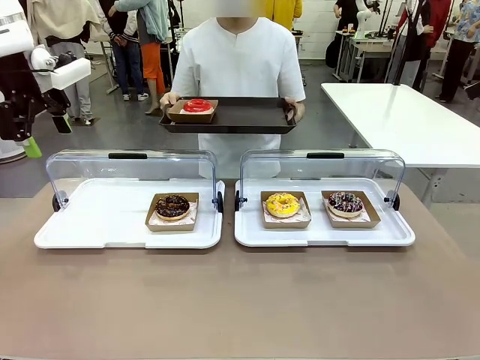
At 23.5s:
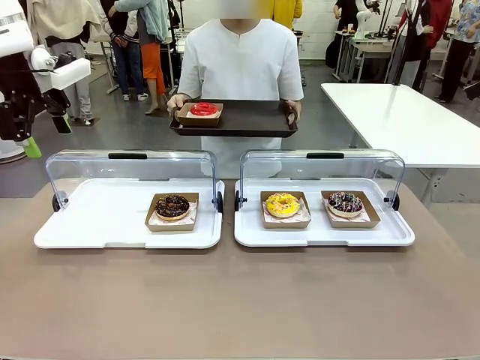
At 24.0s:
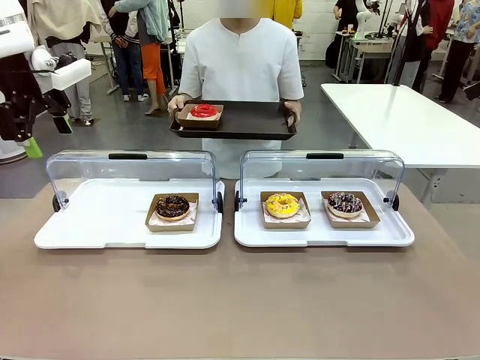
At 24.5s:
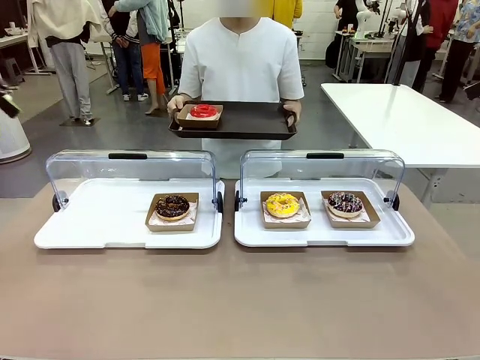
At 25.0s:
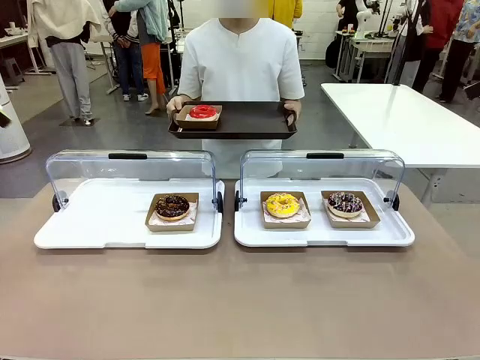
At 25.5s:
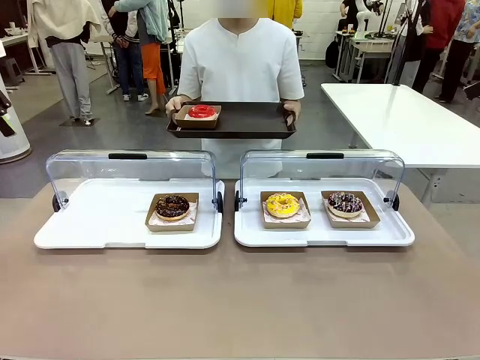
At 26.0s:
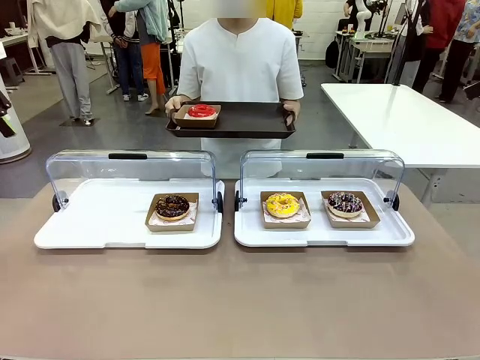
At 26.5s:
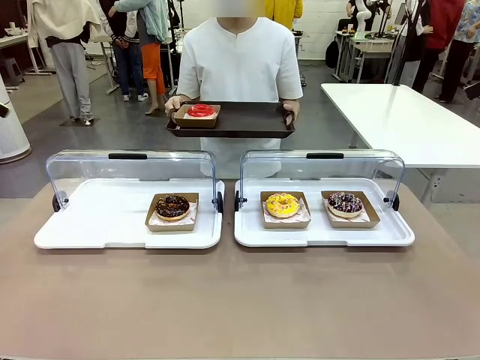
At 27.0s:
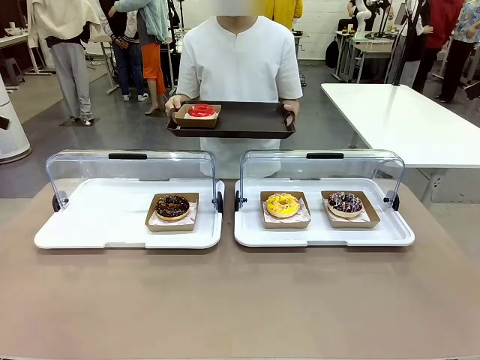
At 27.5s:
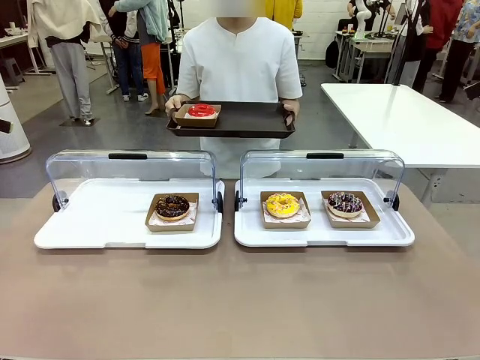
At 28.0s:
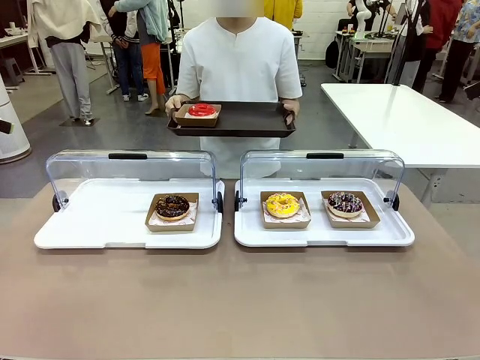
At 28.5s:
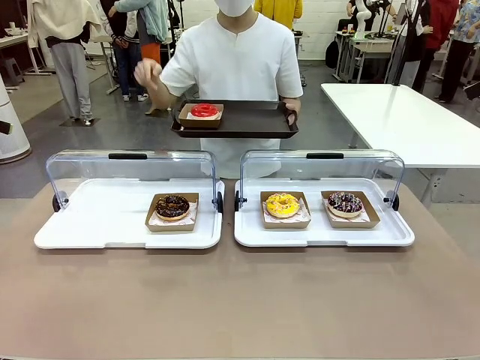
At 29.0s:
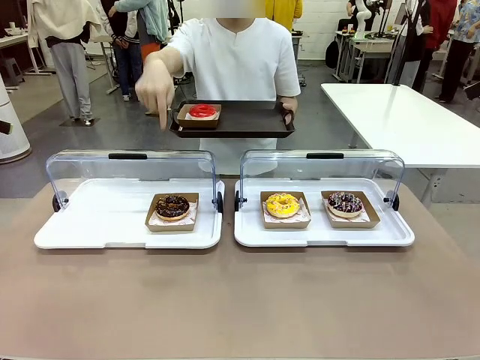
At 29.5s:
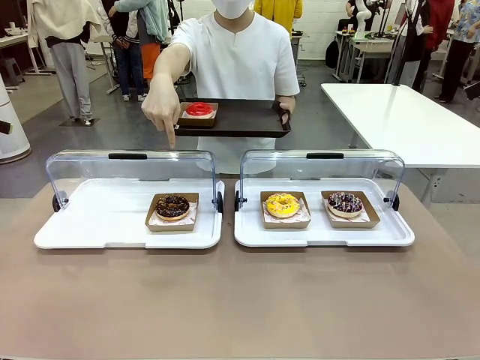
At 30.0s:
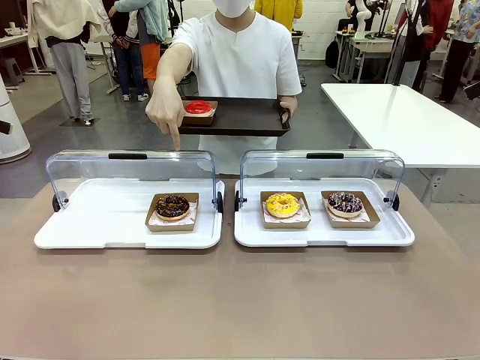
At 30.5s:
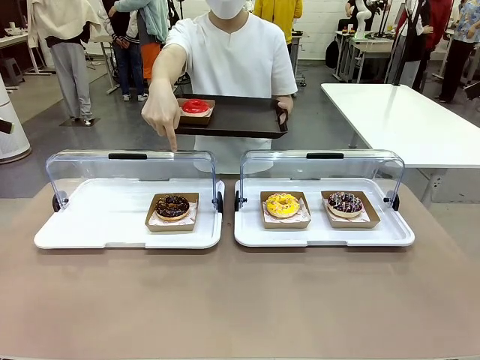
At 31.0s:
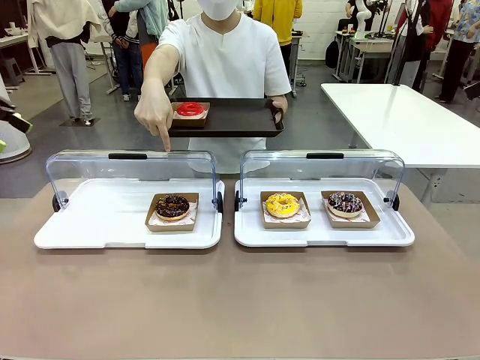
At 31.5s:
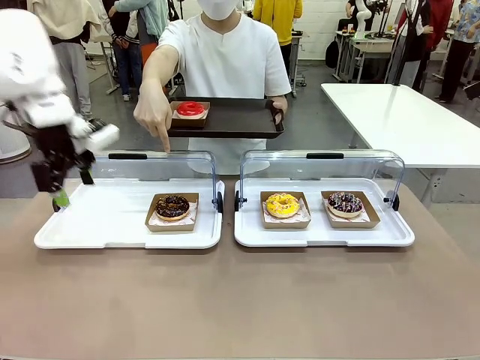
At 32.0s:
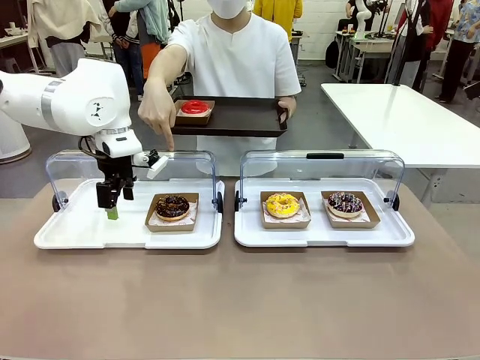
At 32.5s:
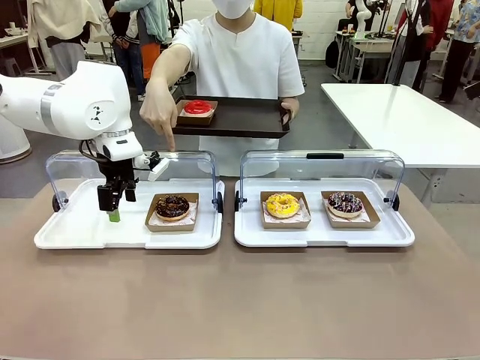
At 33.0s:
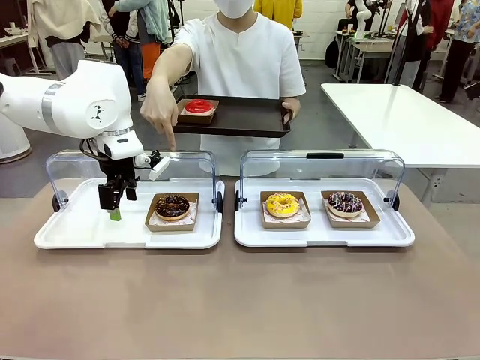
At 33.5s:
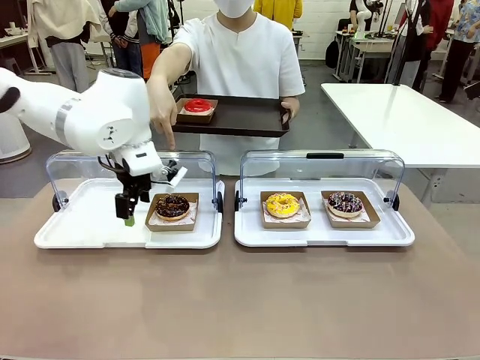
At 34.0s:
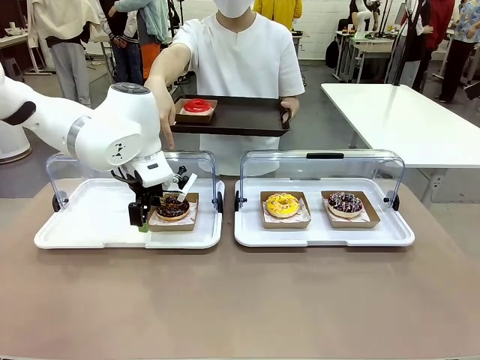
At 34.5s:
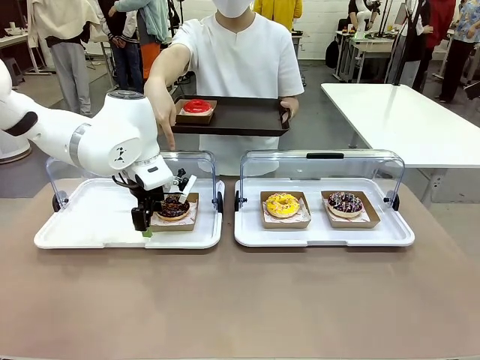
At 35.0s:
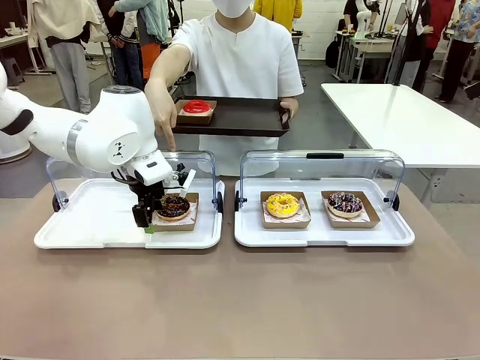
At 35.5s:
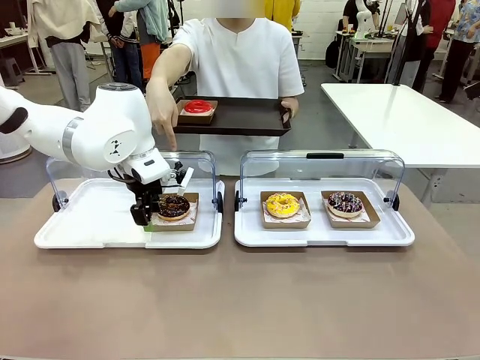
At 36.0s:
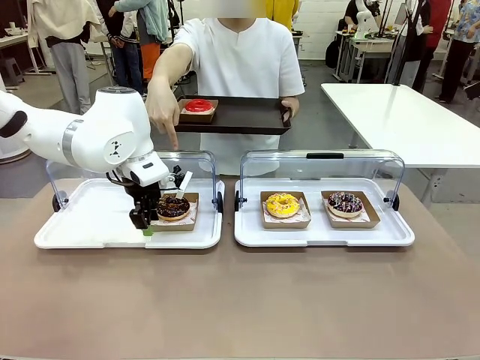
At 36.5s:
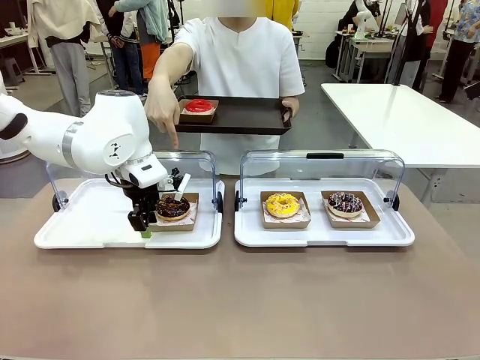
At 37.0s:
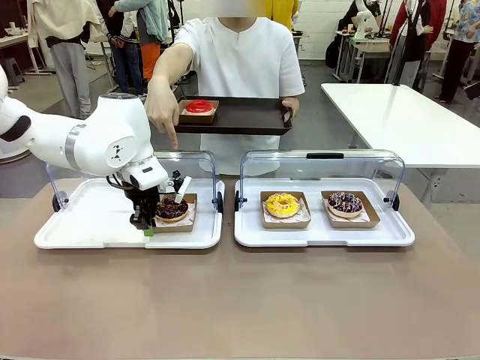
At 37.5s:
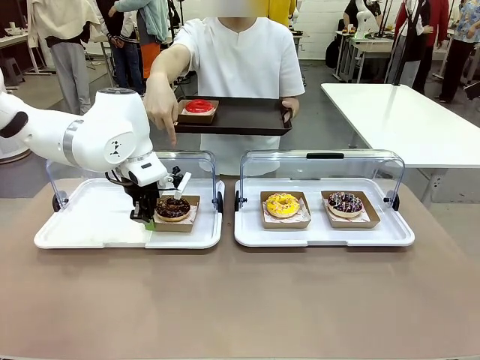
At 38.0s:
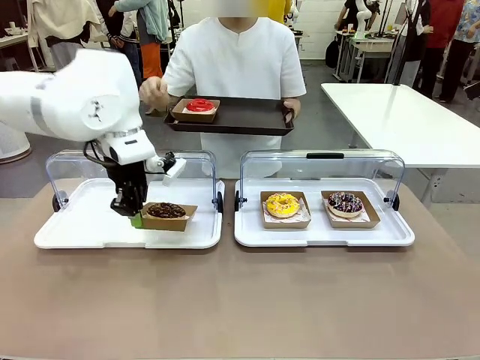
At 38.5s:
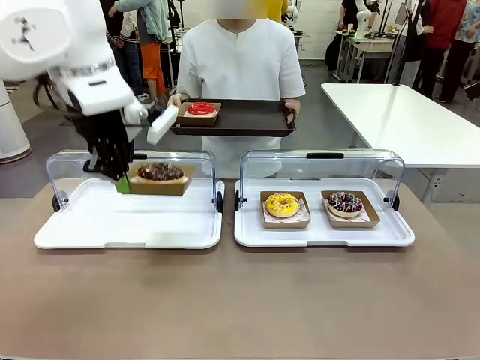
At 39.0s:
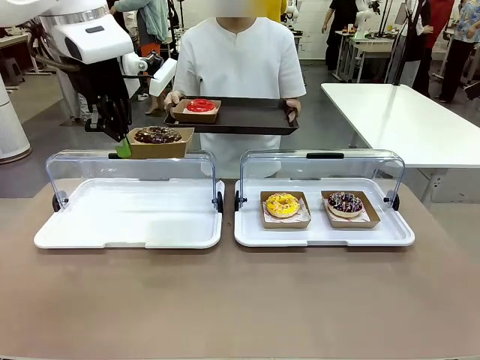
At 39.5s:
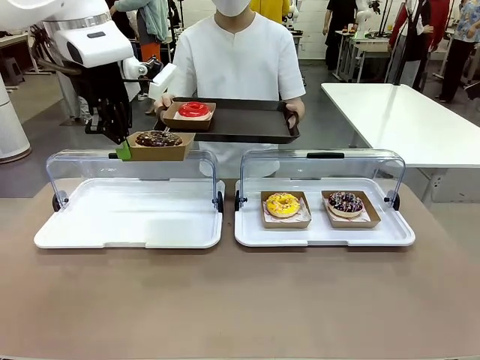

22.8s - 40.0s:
Task: Provide the desired donut to the person.
Robot: Pick up and lift the Paper togo box containing the Donut pointed at by the person.
Person: Point to one donut. Lift the tray onto the Roll-Top Bakery Case.

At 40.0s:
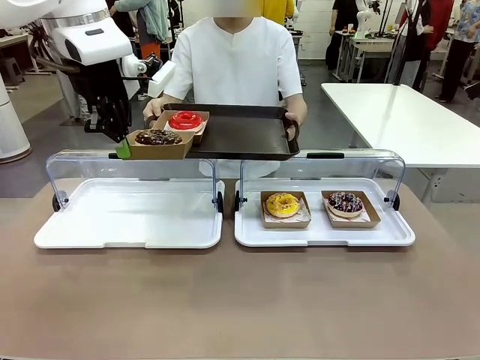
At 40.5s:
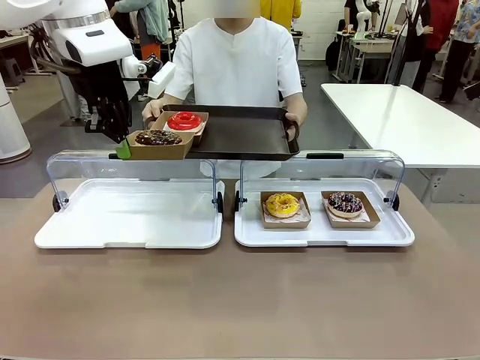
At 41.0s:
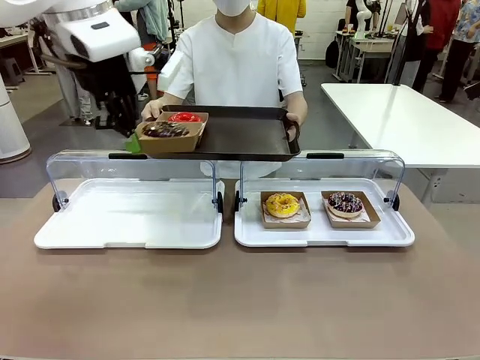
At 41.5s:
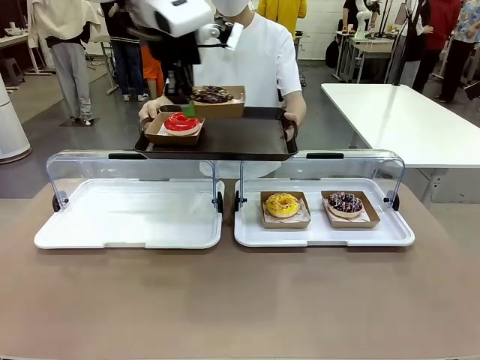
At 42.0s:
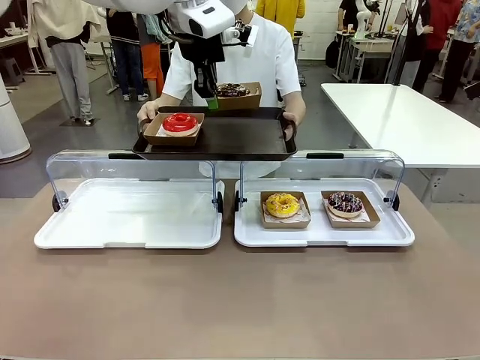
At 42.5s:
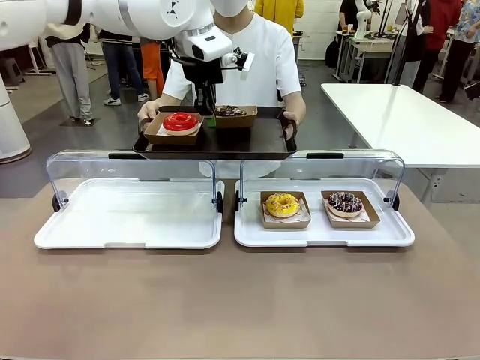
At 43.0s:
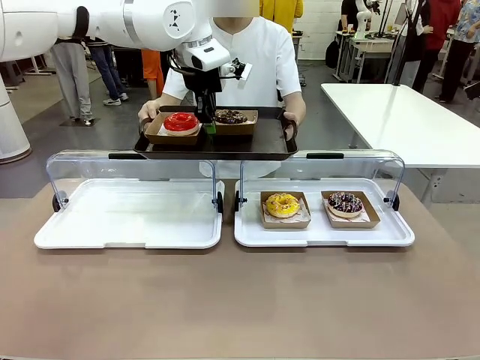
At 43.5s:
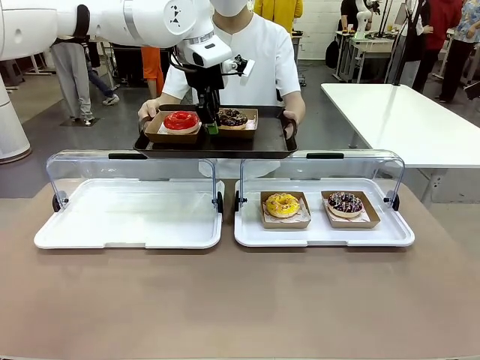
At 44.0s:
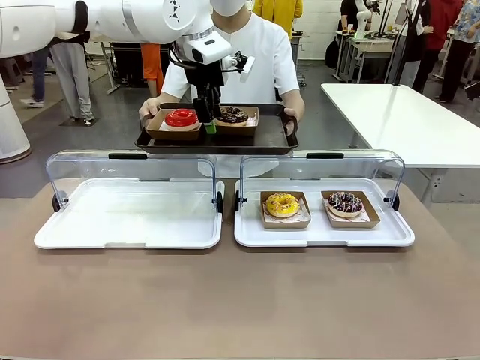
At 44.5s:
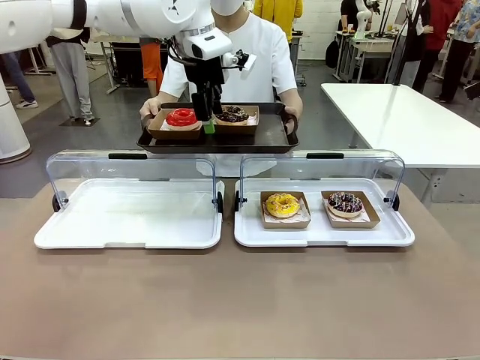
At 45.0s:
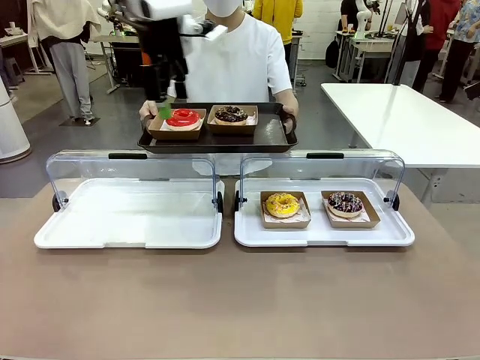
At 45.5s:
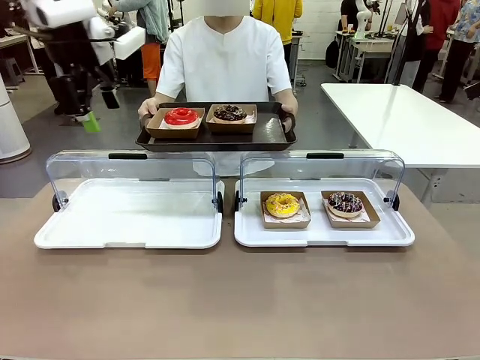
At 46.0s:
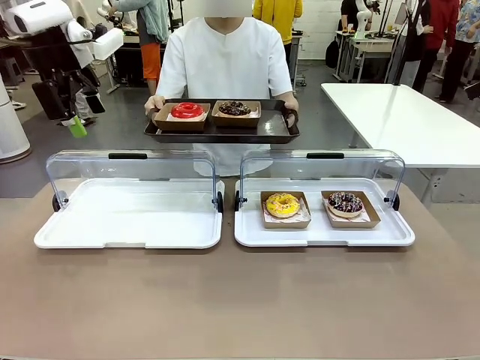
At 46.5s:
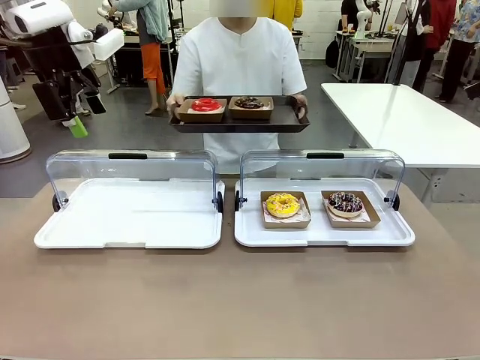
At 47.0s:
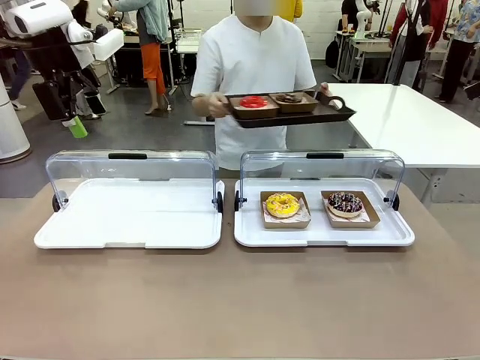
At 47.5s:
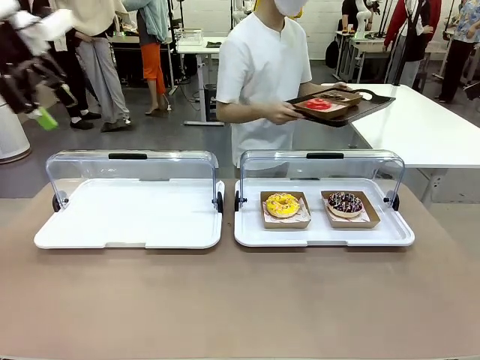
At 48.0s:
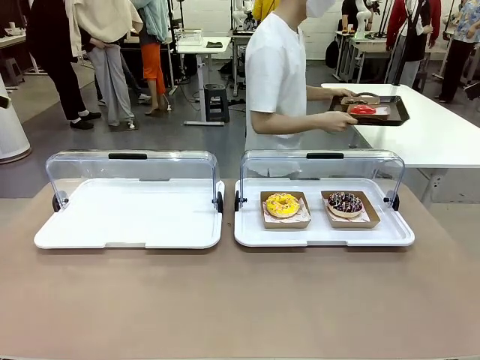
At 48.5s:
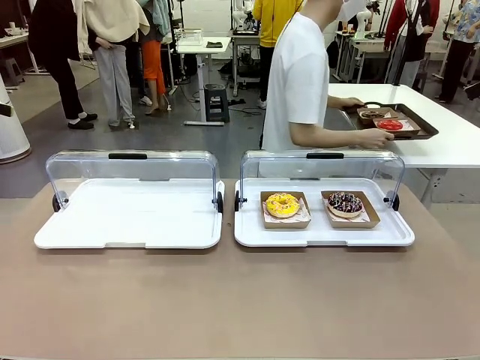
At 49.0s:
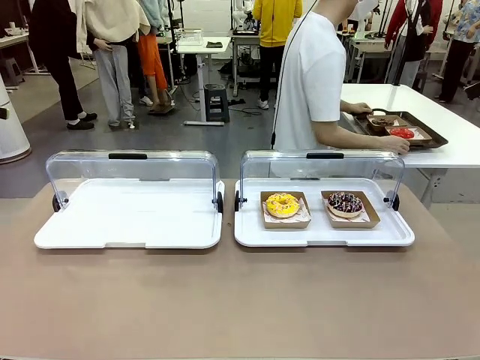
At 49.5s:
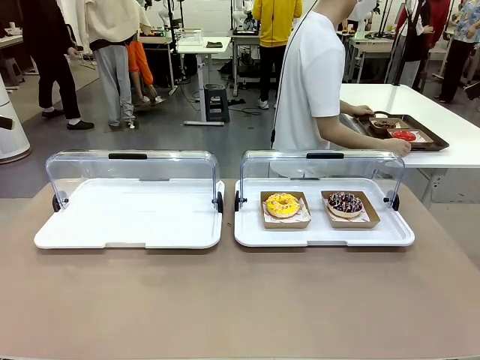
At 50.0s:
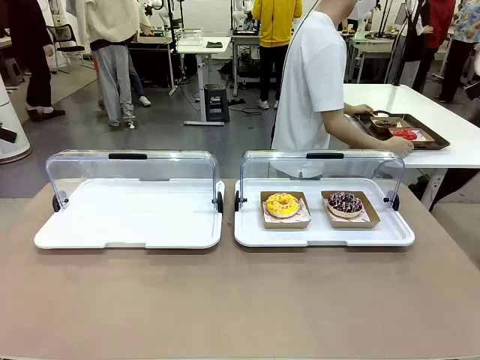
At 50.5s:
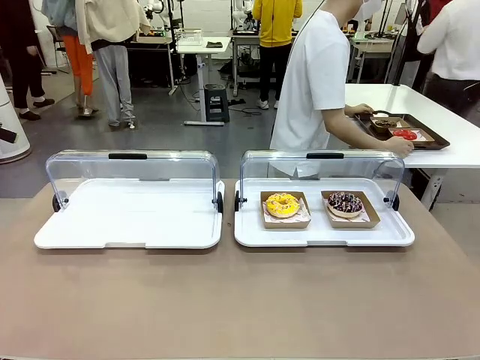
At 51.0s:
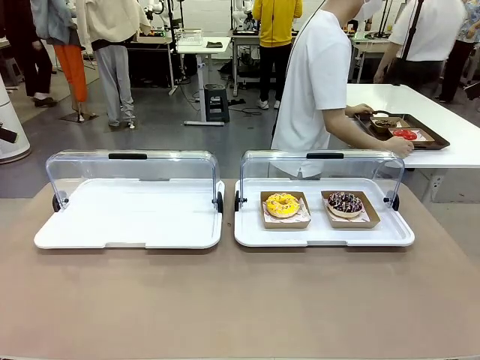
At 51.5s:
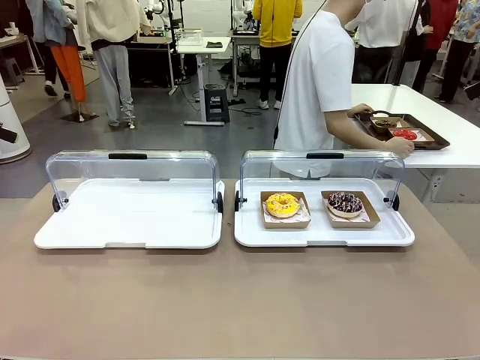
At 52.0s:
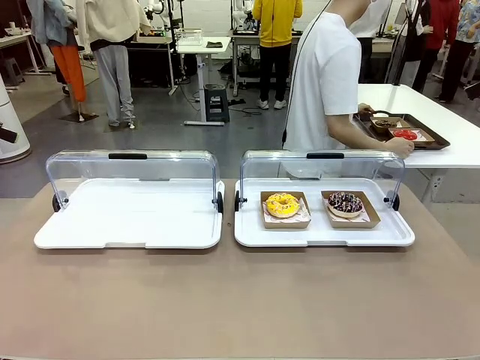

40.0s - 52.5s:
Robot: Place the picked Paper togo box onto the Handle tray extended by the person.
Person: Place the tray in the middle of the human table.
